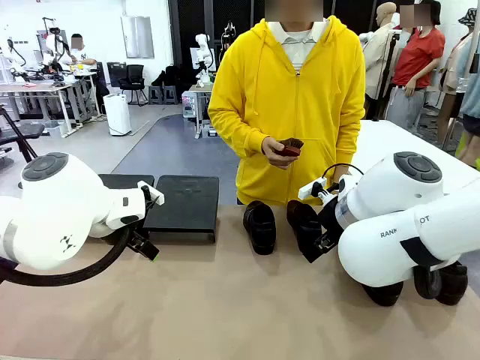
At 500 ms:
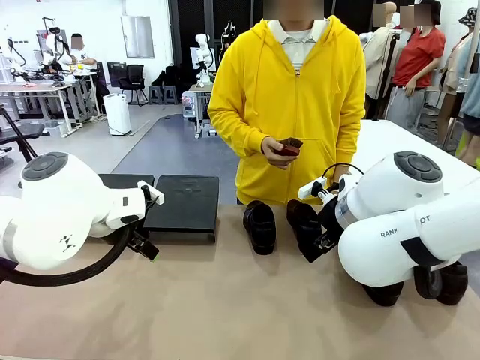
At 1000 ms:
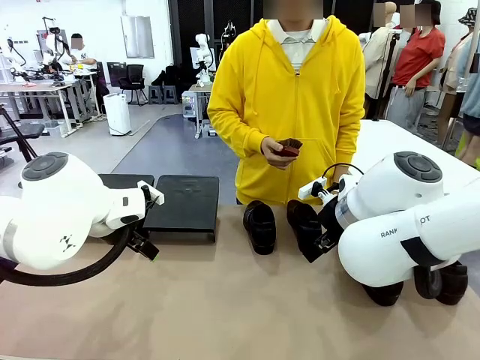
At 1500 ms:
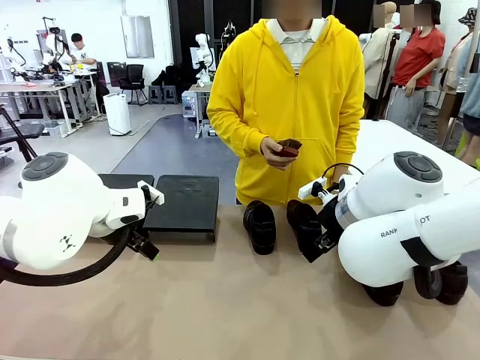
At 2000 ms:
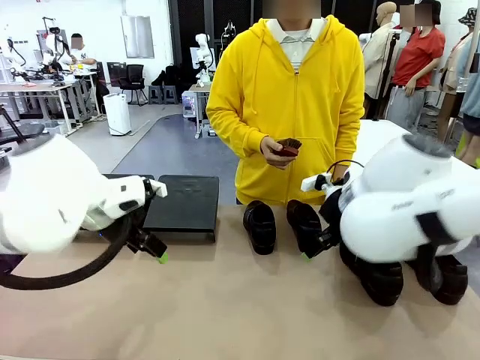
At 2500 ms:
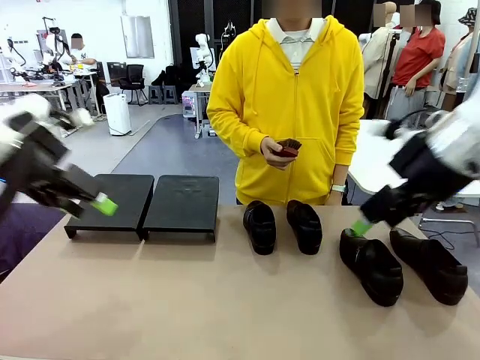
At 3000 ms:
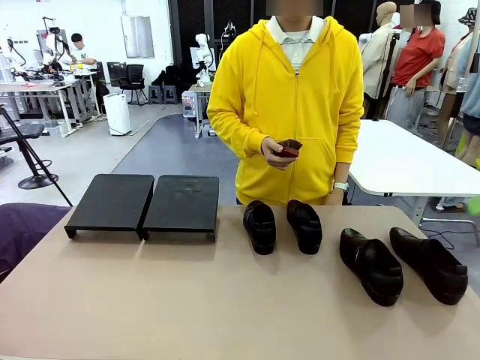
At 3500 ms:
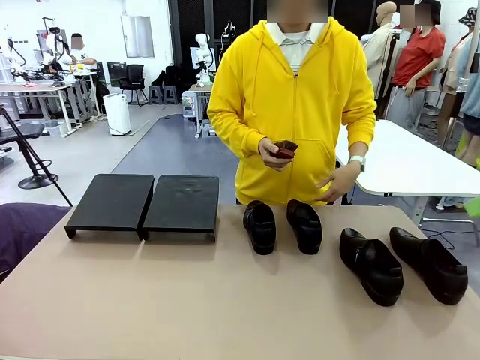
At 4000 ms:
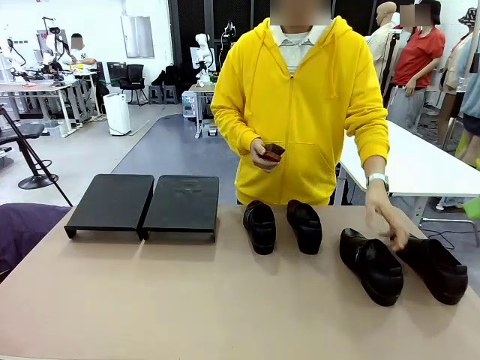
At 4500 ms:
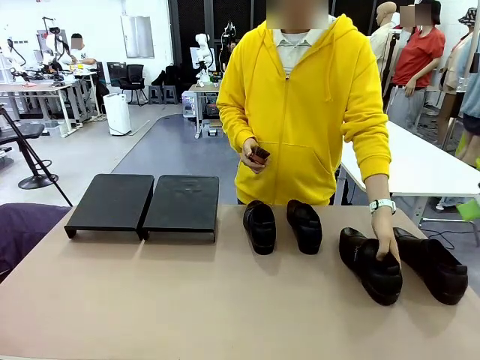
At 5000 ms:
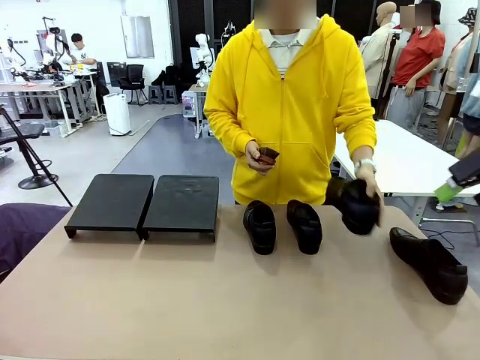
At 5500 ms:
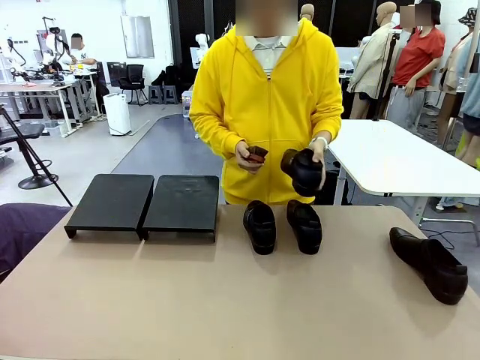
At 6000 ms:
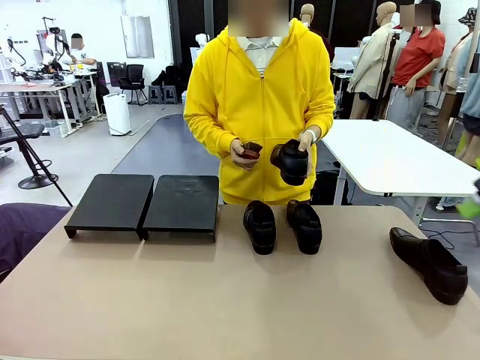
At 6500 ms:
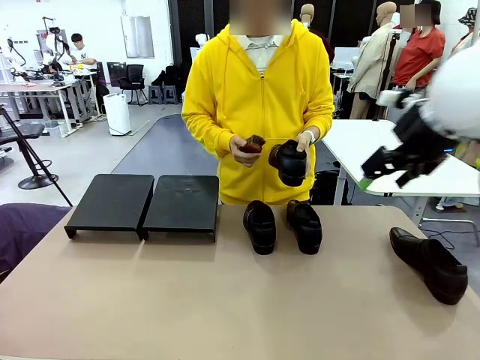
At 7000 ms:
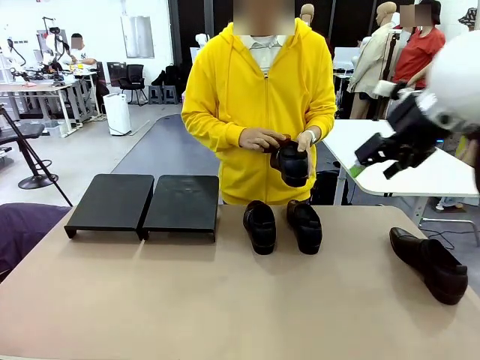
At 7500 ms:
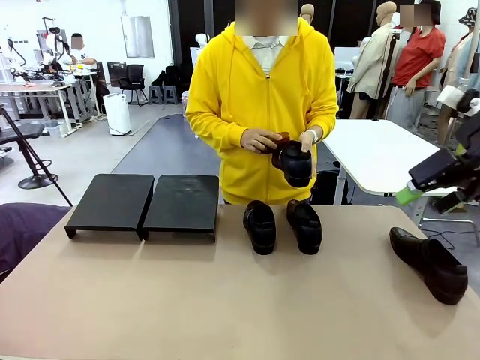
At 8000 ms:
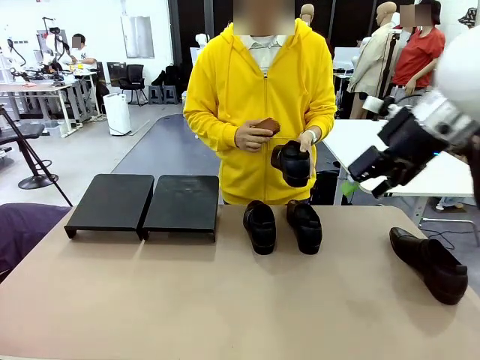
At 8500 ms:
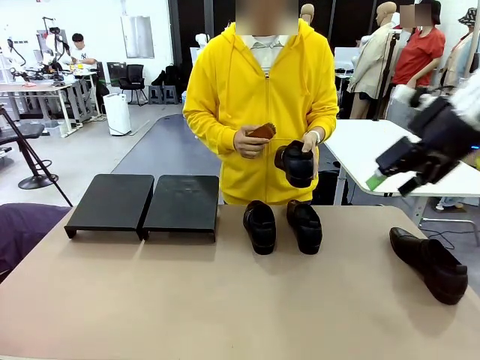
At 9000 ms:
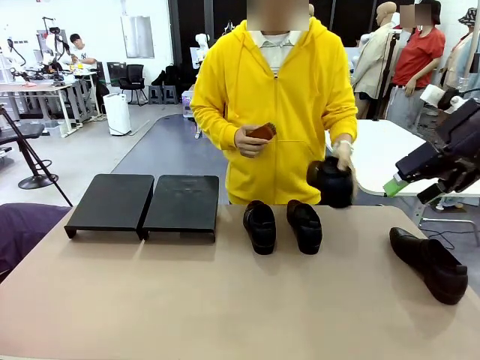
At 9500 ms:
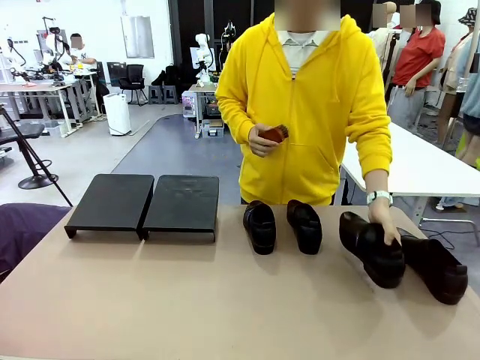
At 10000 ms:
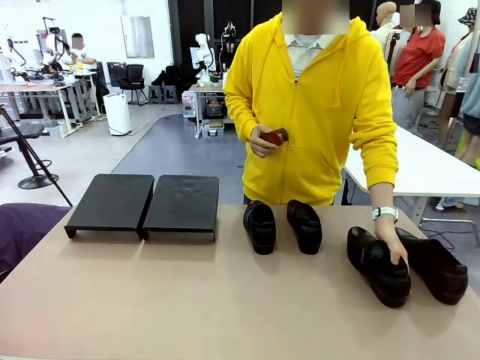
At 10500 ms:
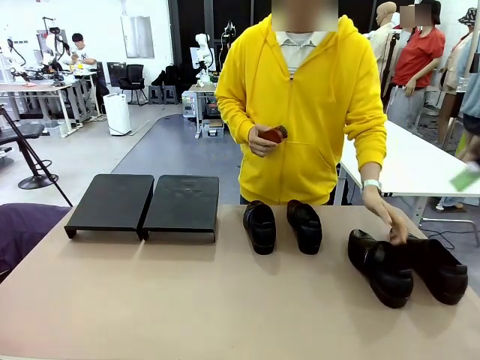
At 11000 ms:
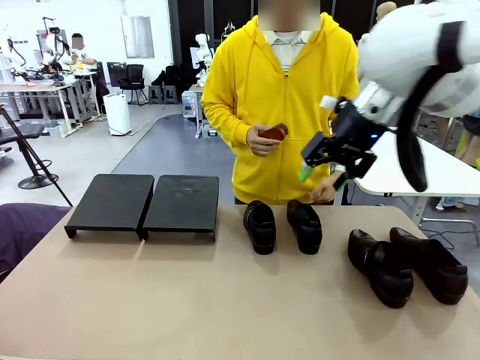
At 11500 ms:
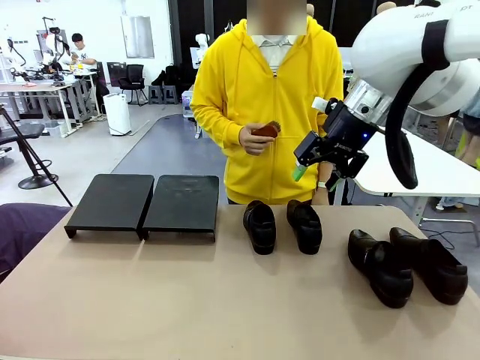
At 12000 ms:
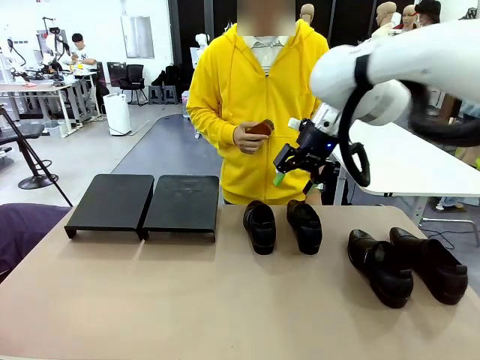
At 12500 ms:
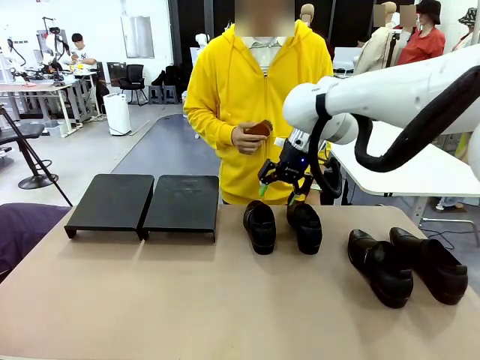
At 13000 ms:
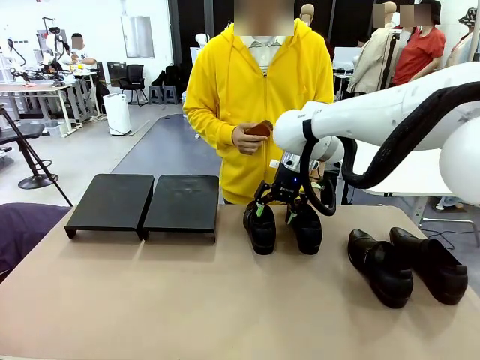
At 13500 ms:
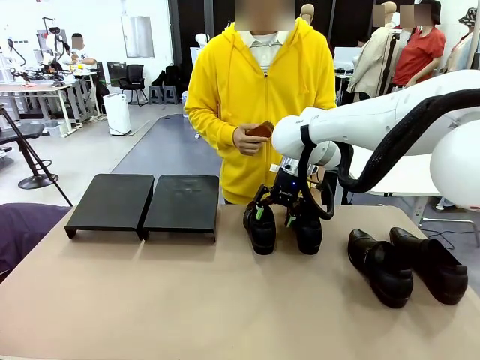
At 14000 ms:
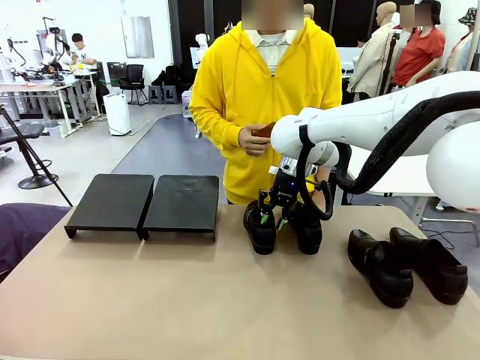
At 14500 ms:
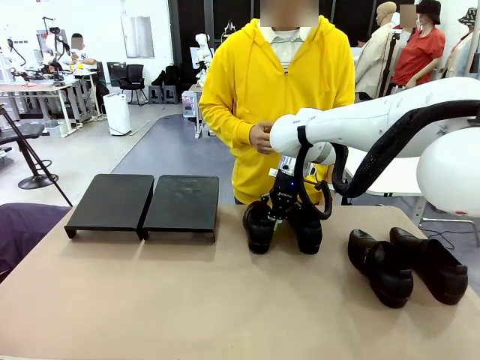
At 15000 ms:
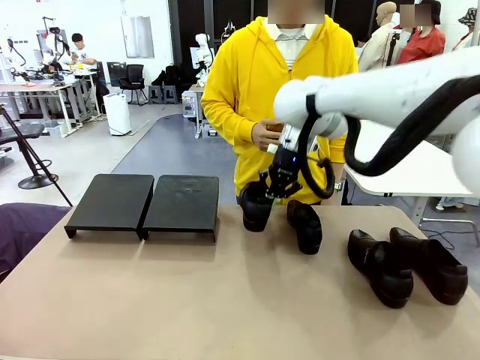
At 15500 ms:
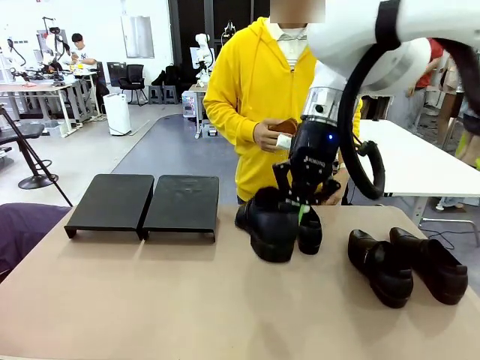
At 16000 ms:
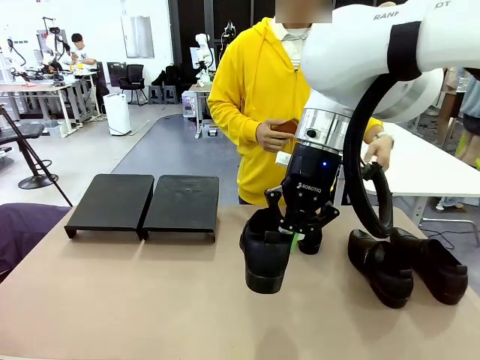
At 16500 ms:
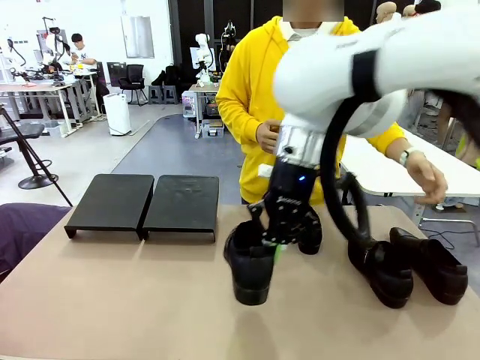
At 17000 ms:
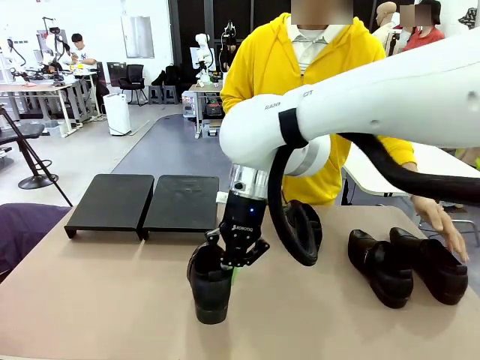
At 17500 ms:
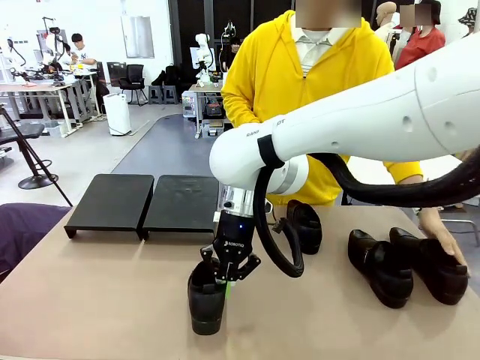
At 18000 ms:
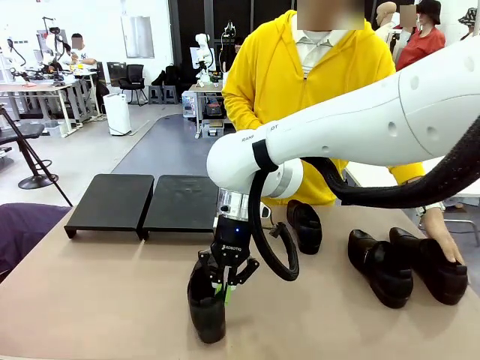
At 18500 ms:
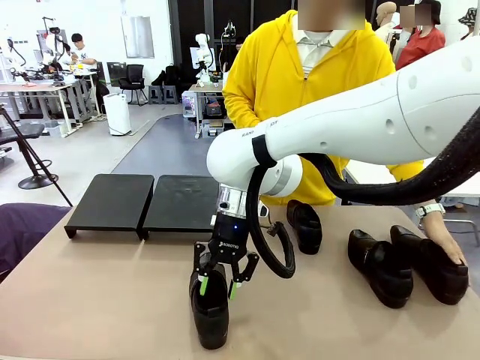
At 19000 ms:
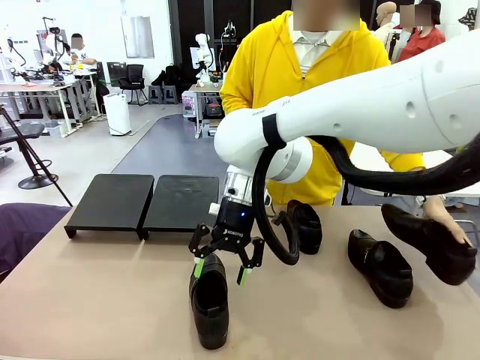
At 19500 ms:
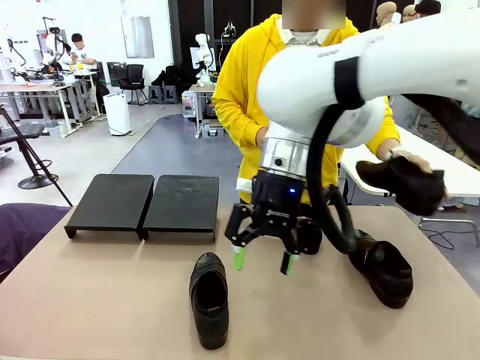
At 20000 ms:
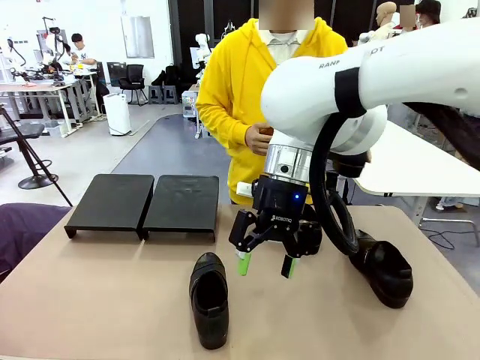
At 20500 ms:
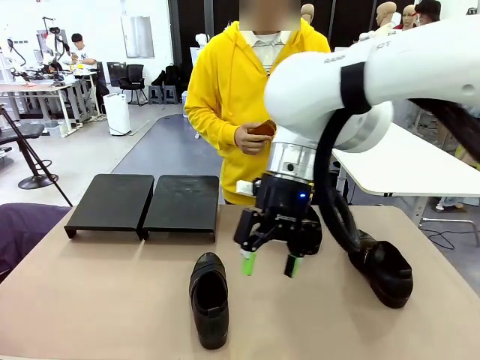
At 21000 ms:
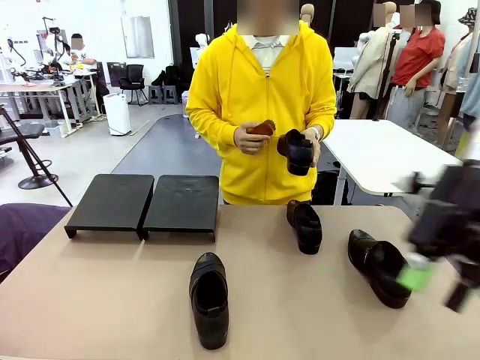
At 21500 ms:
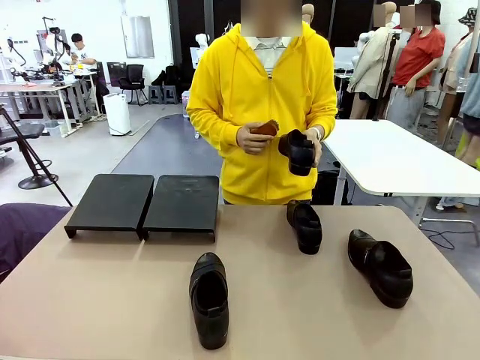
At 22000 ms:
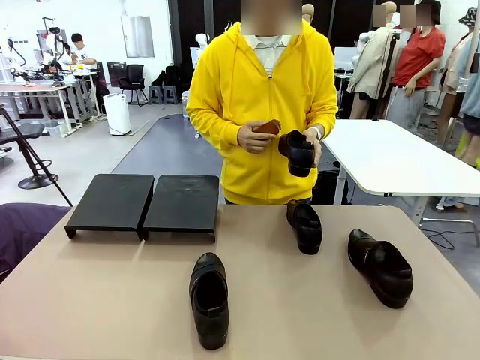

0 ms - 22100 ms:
Task: Organize the shoes by placing them on the stand.
Robot: Pick up one Shoe and place it in the middle of the table.
Person: Pick one Shoe on Robot's table. Clean the Shoe with the Shoe Brush. Place the Shoe on left side of the Robot's table. Pick one Shoe on Robot's table.
